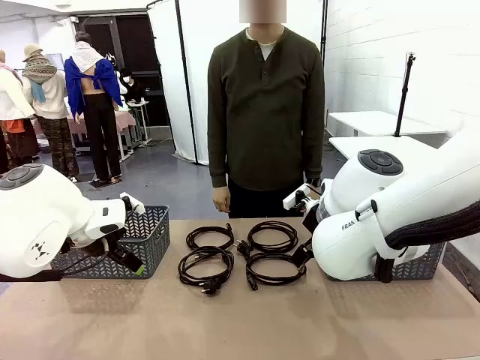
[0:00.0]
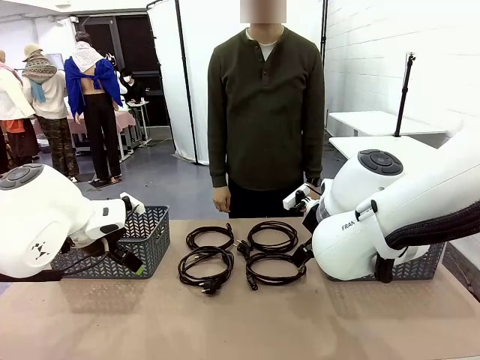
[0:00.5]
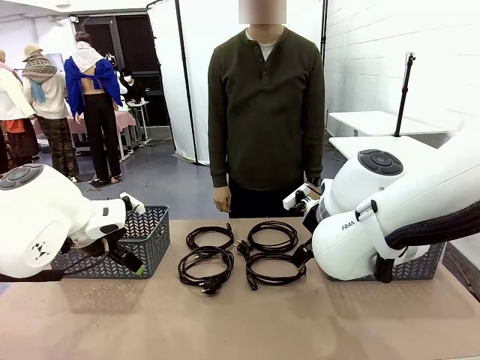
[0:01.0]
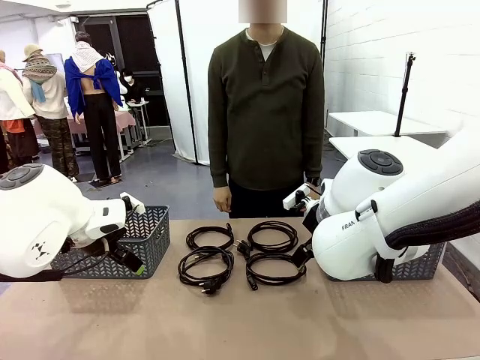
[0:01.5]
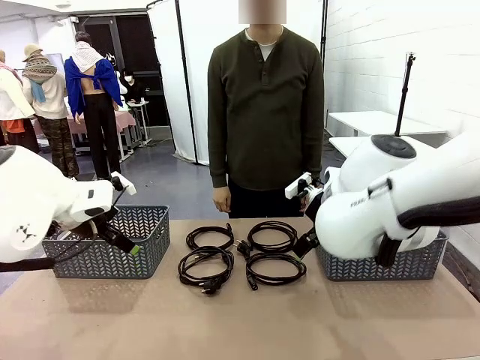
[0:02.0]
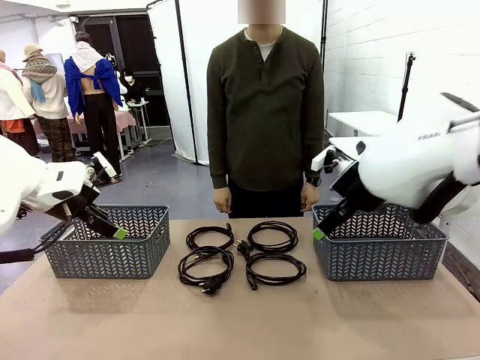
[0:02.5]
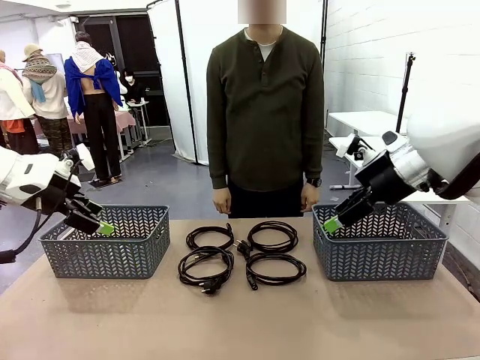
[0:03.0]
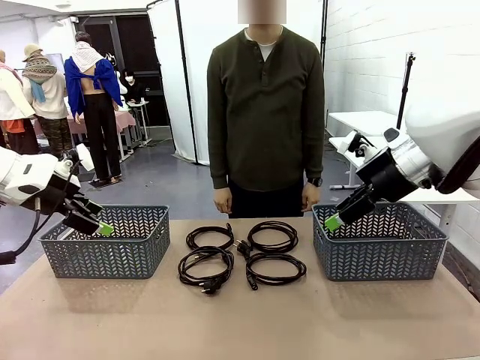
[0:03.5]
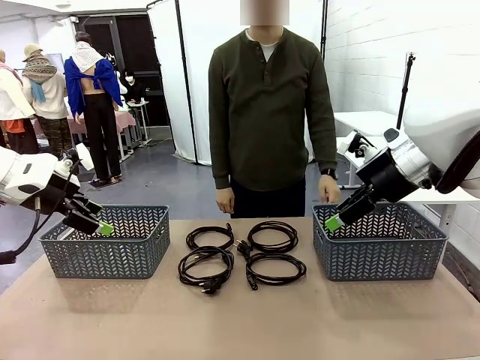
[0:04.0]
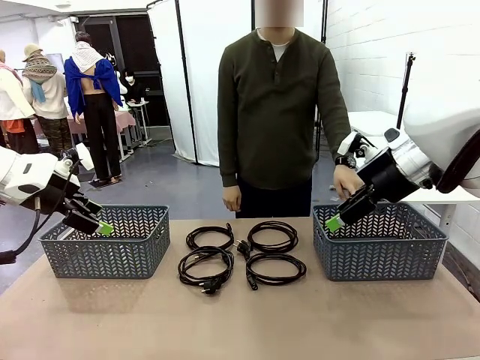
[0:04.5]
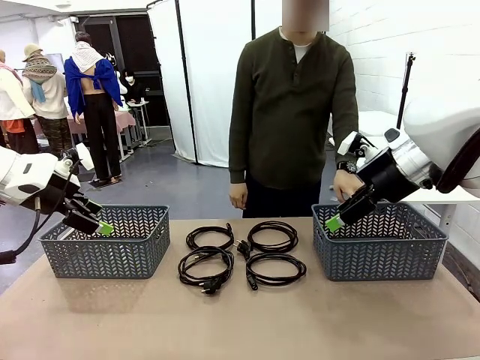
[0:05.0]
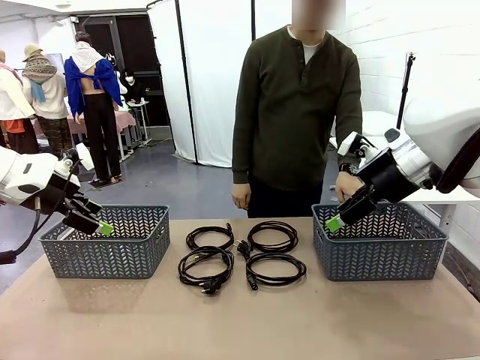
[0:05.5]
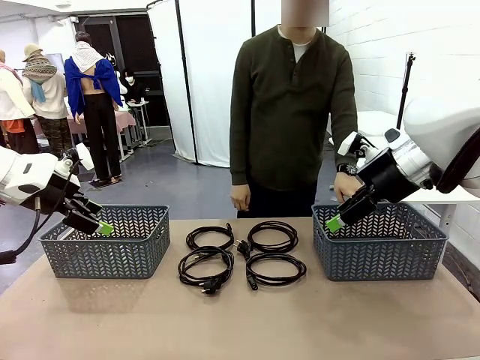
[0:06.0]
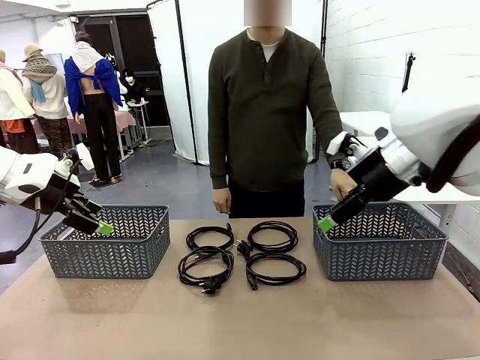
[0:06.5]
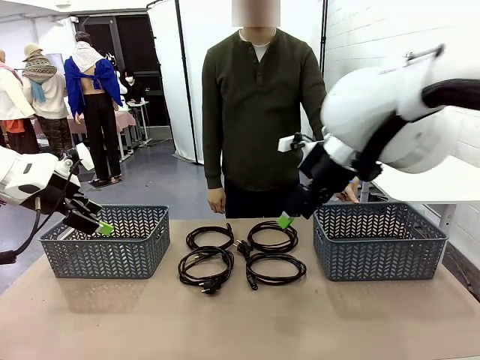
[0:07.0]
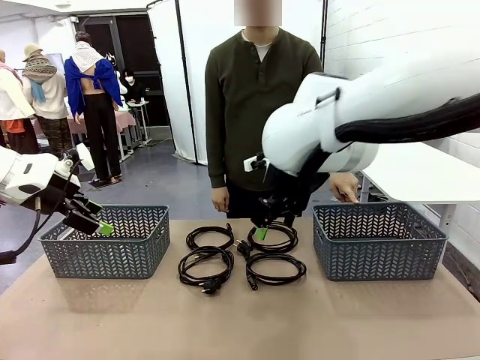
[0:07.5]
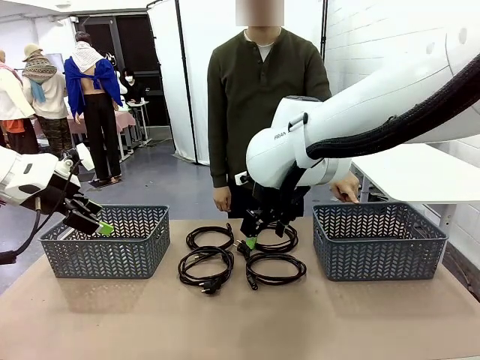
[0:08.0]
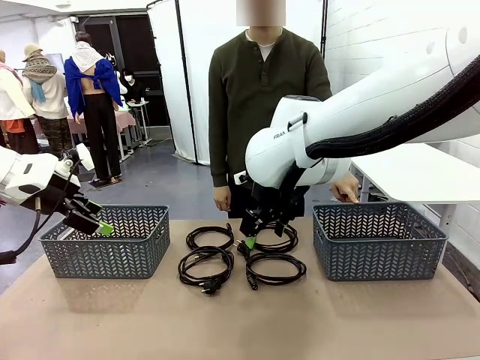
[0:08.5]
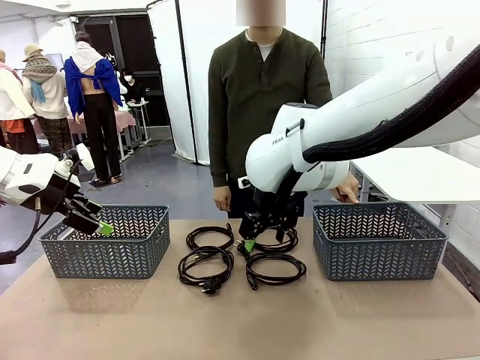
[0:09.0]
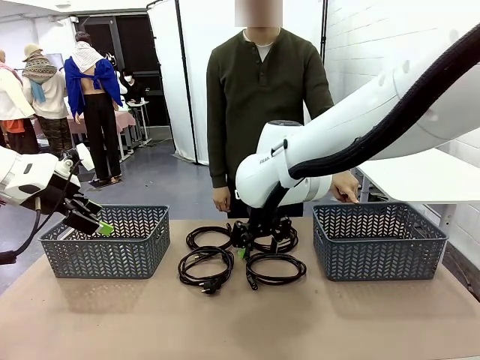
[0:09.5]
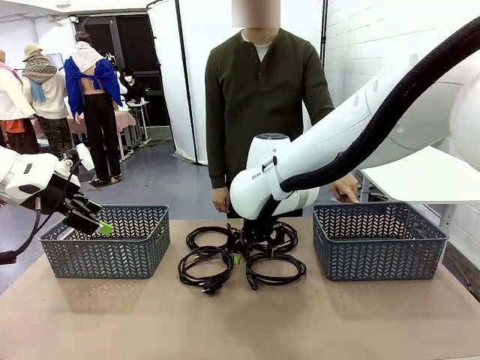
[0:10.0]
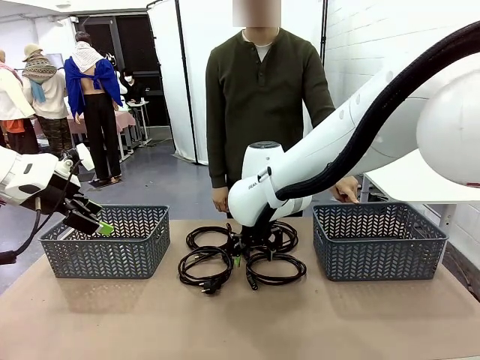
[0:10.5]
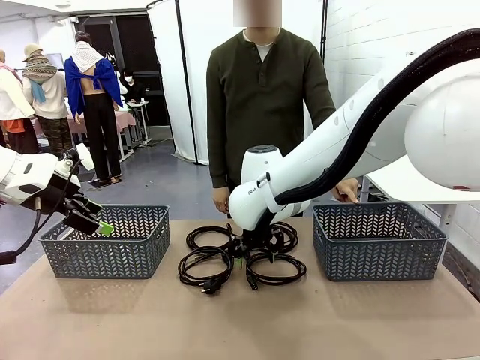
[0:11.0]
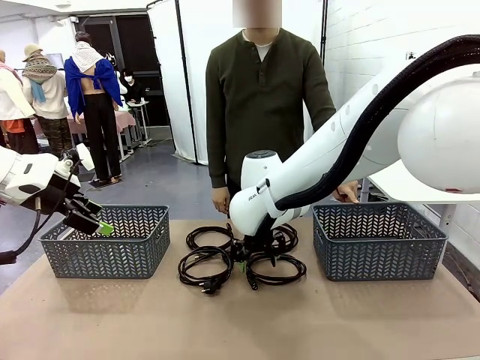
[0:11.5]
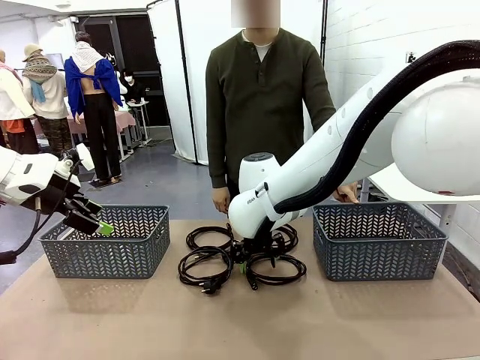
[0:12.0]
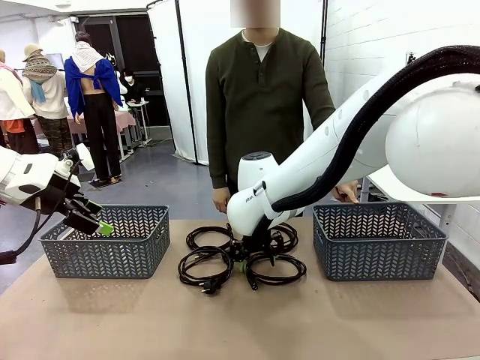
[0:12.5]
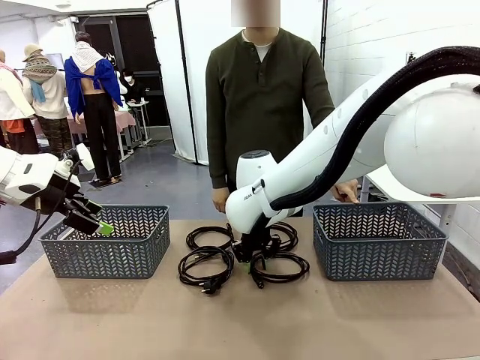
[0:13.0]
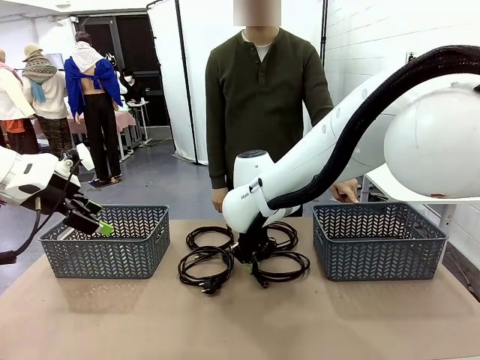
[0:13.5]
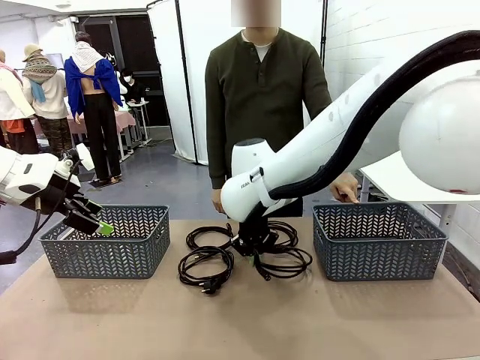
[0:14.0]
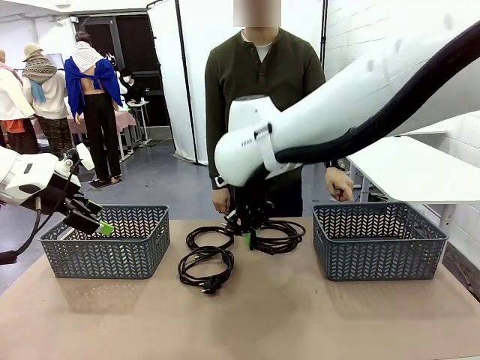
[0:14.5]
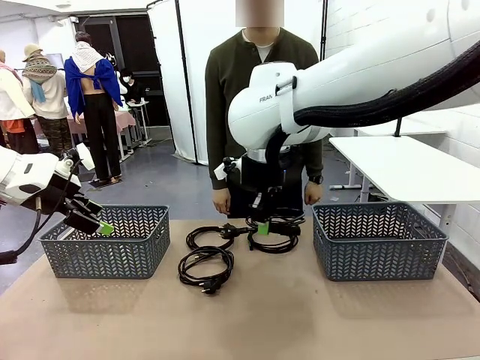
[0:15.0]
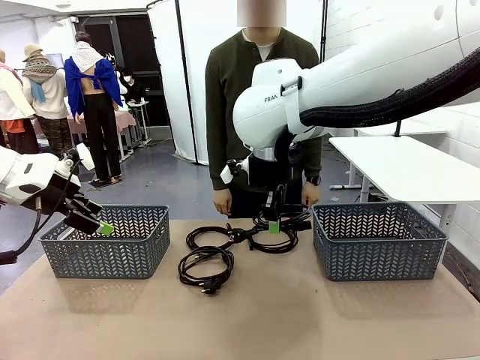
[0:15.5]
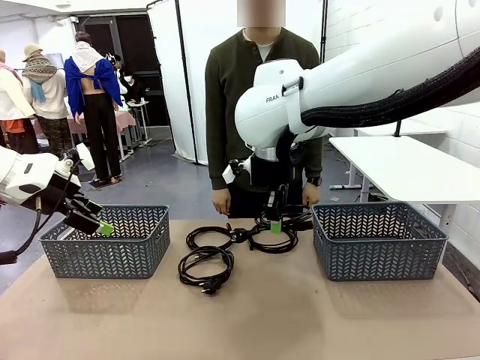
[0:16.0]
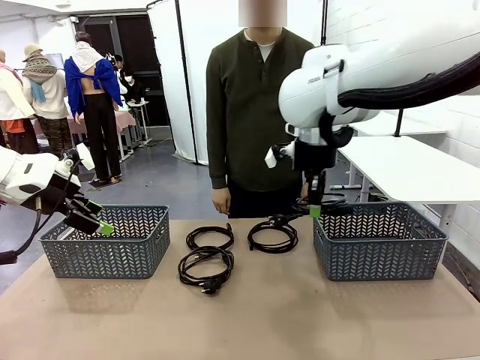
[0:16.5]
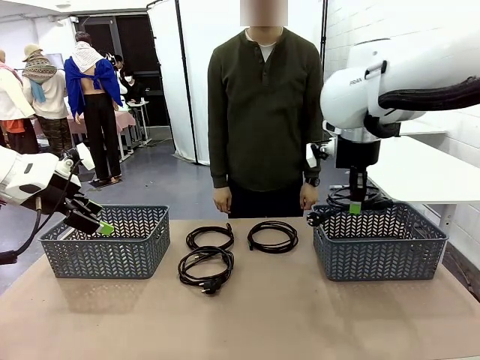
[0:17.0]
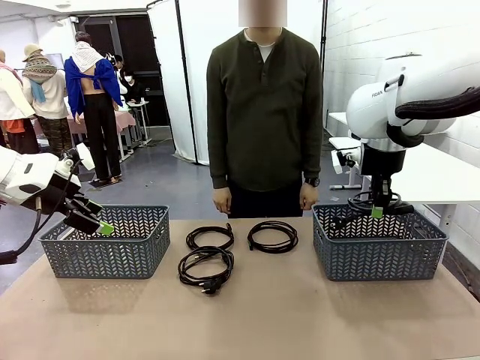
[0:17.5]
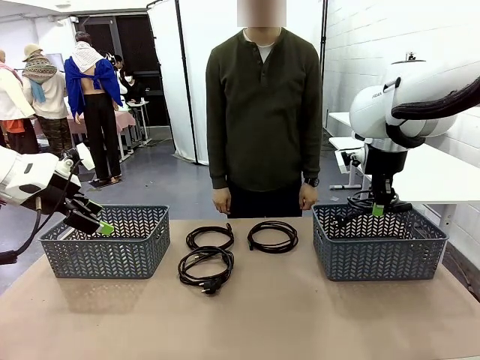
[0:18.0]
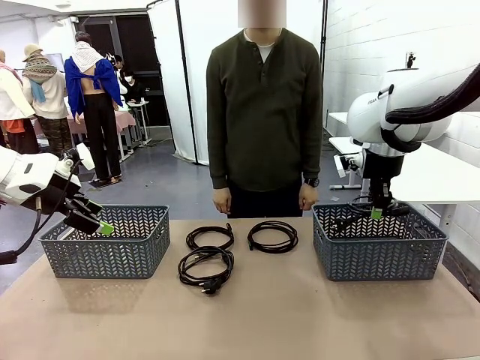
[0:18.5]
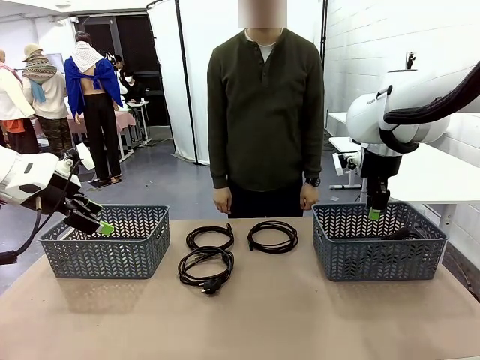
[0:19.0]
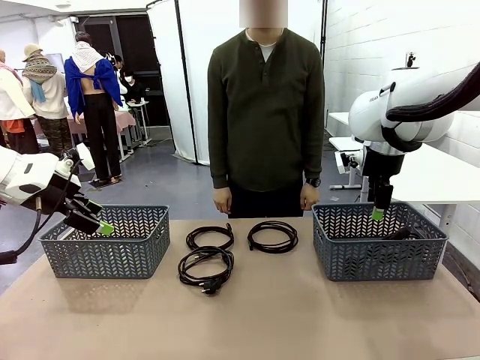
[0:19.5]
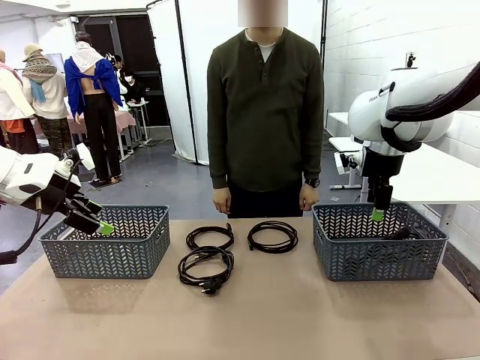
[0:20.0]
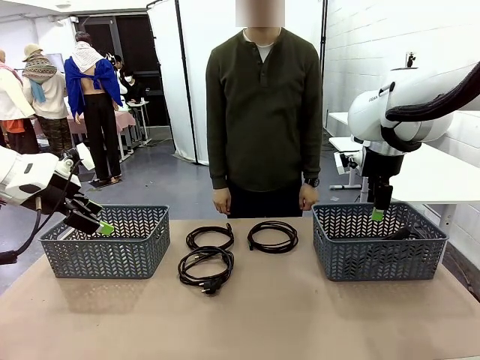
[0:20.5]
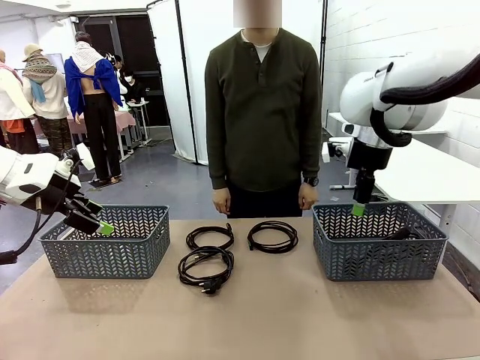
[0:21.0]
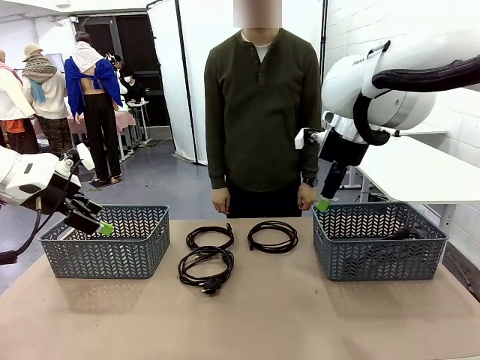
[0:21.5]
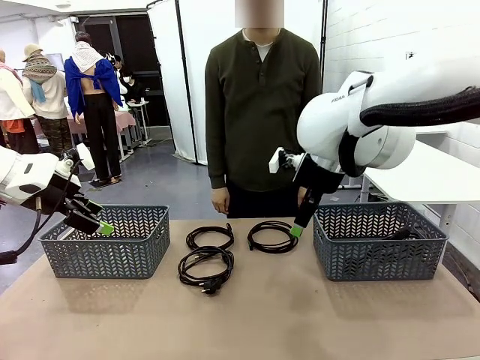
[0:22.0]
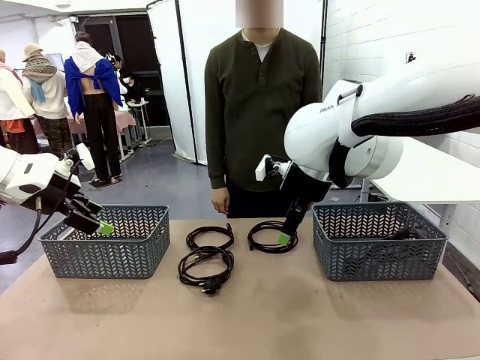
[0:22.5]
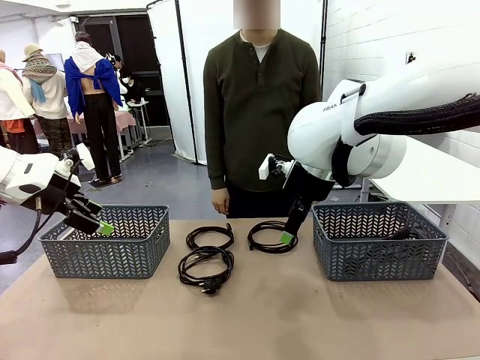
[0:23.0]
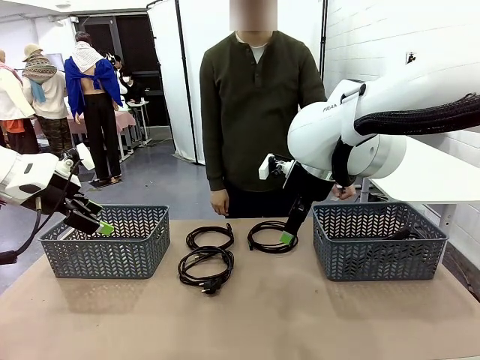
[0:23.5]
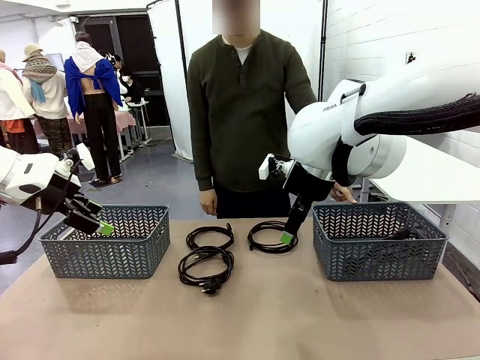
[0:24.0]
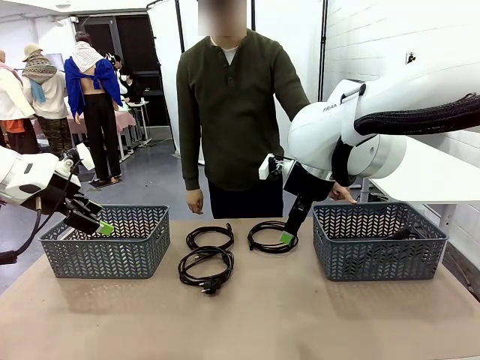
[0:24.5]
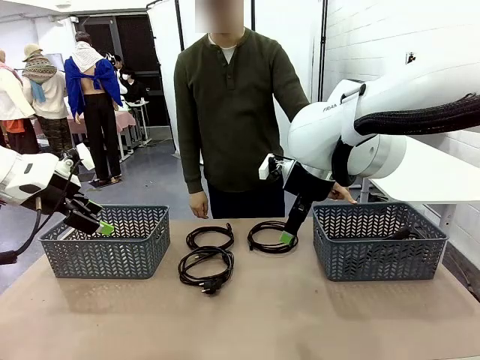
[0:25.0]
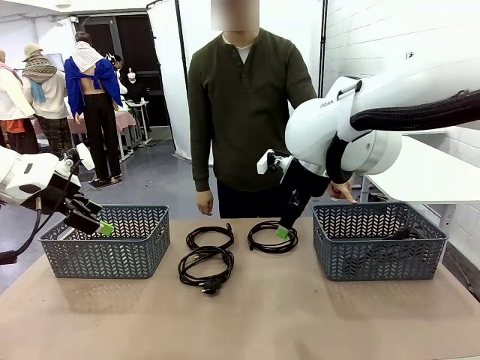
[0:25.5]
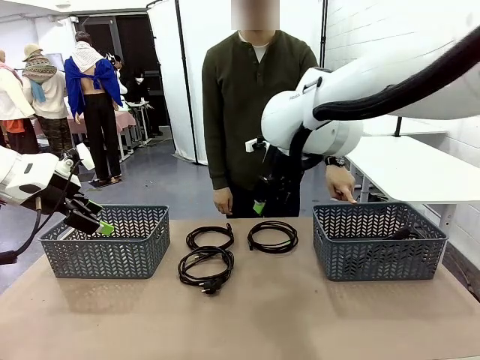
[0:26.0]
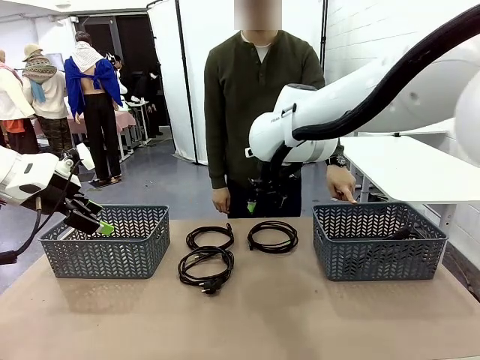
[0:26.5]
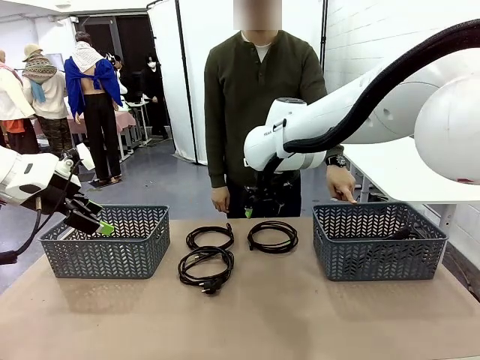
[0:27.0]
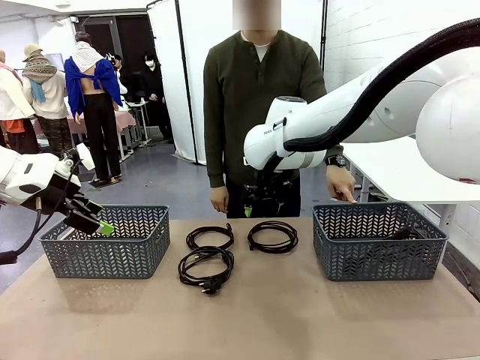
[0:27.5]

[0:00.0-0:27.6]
Task: Organize the cables according to human instructions.
Robot: Pick up a bundle of cables and place it in the basket indicated by the human.
